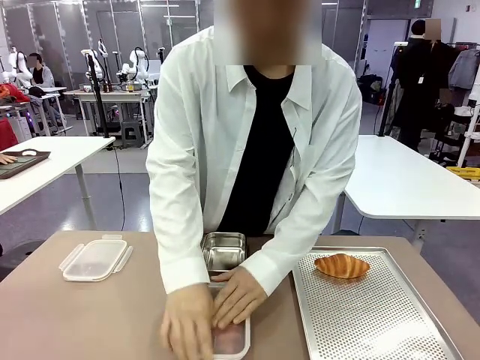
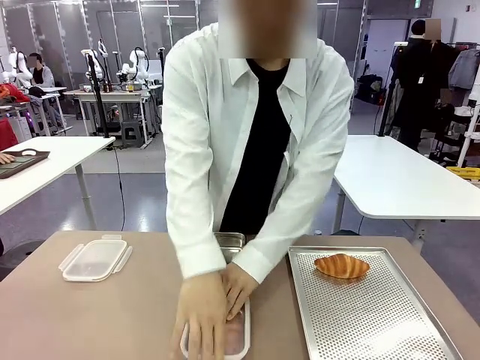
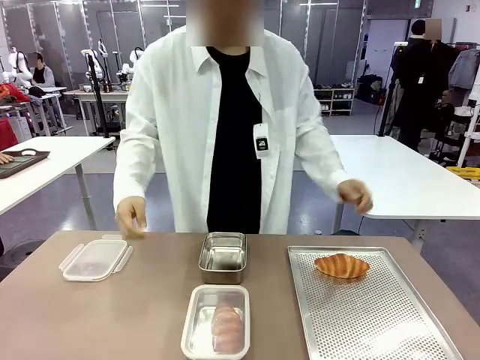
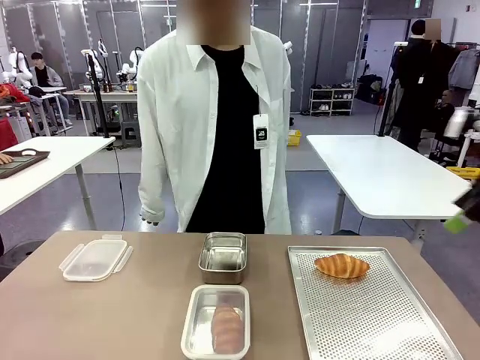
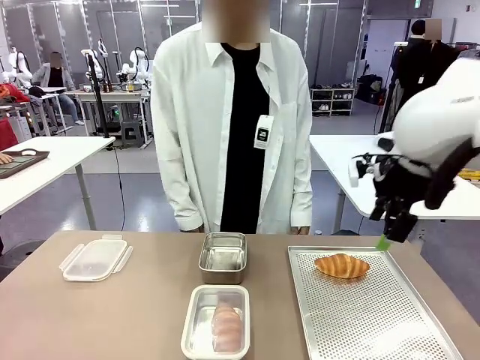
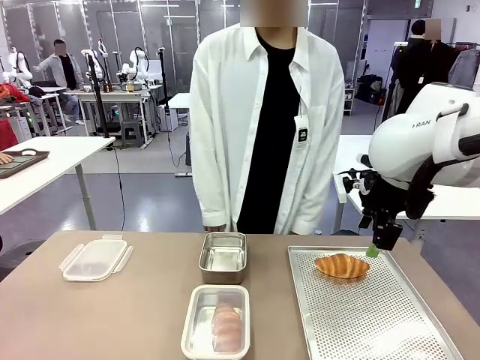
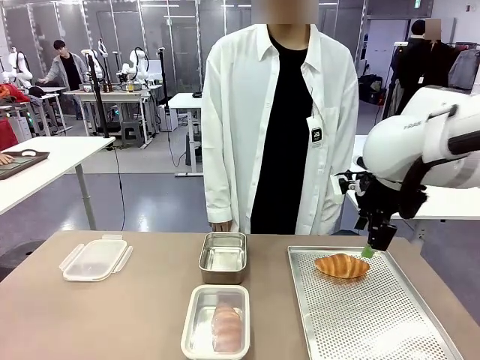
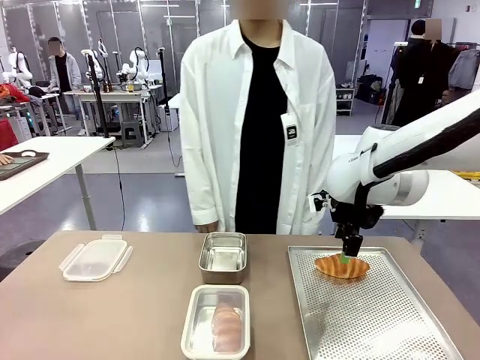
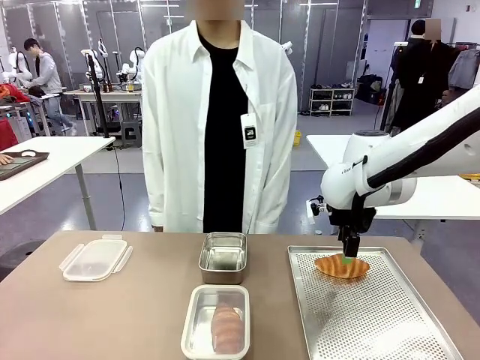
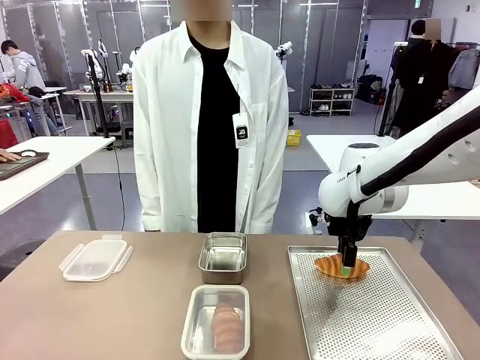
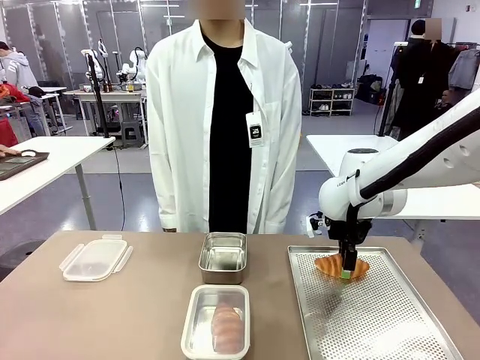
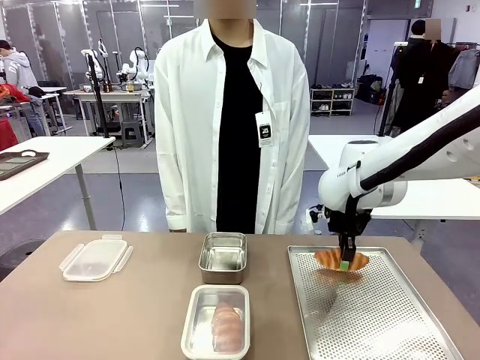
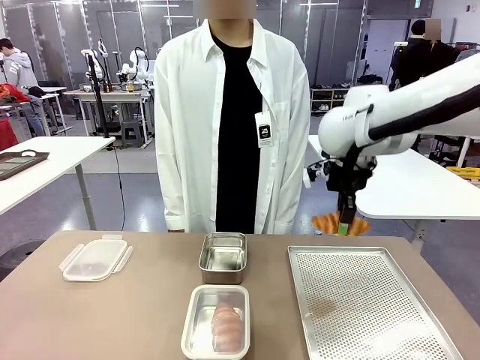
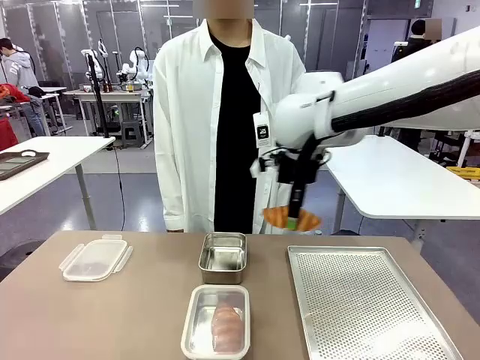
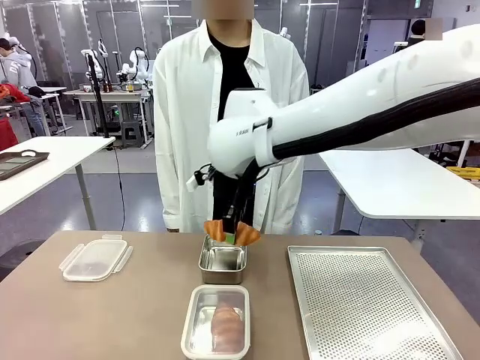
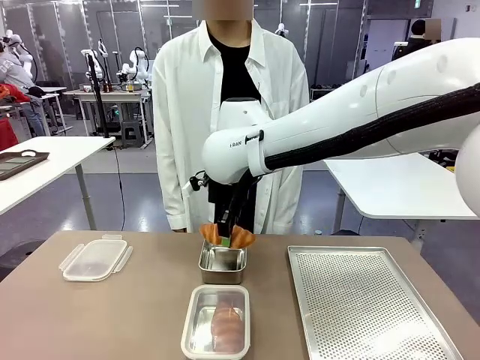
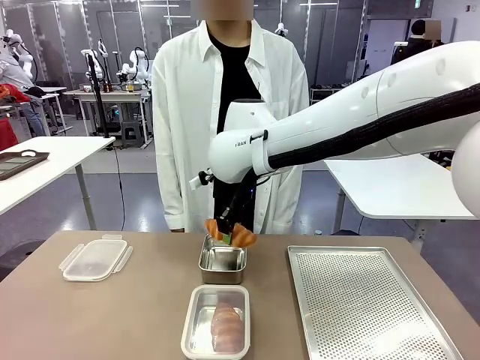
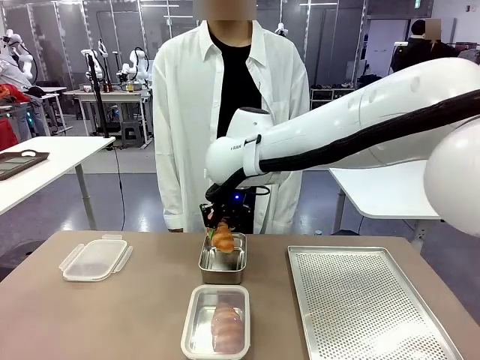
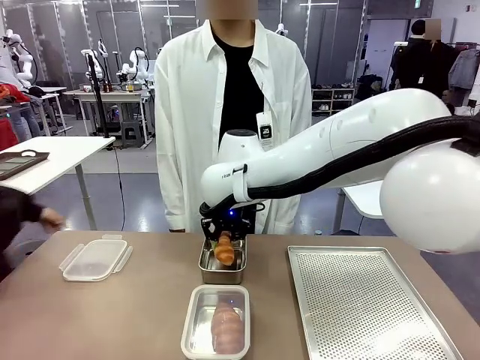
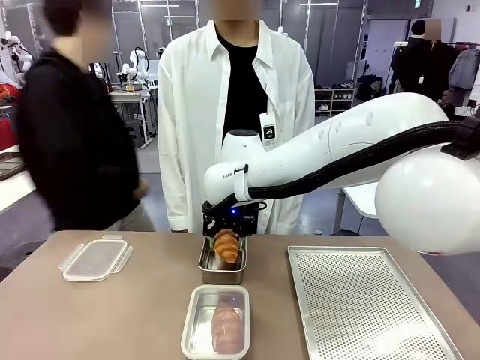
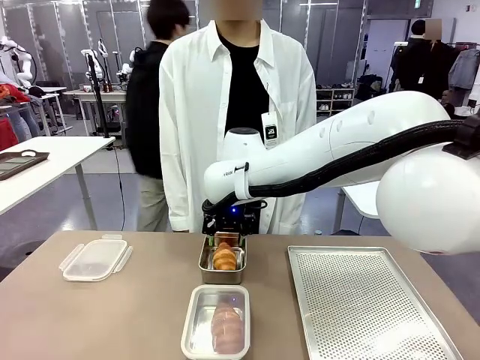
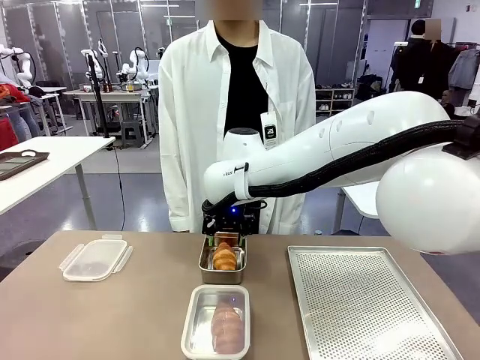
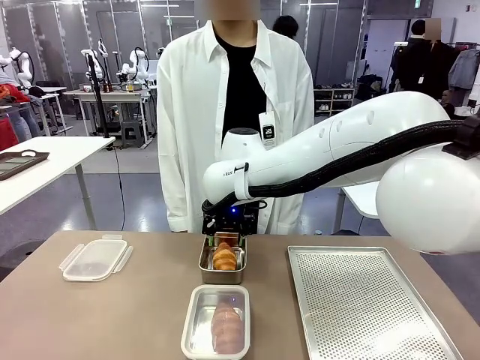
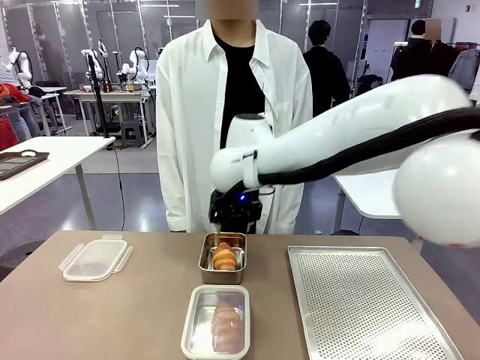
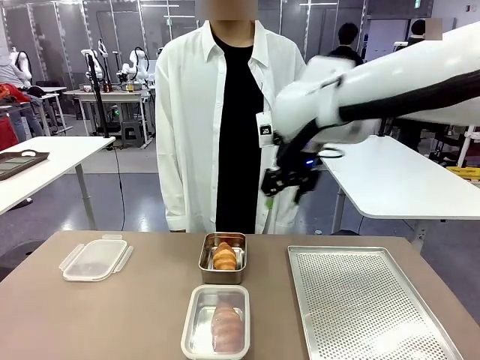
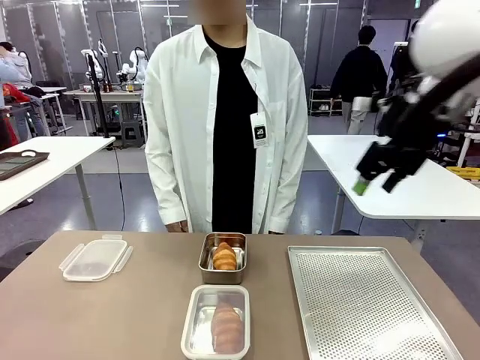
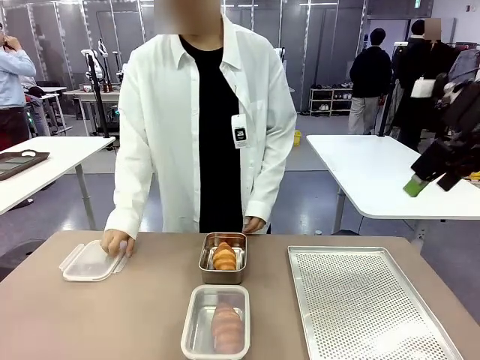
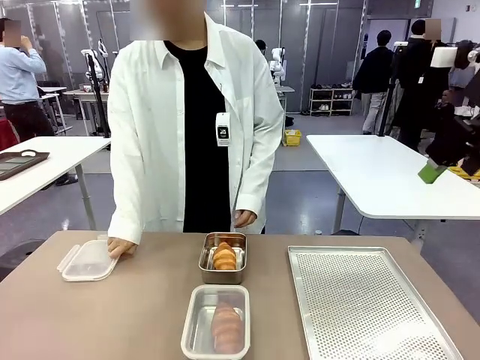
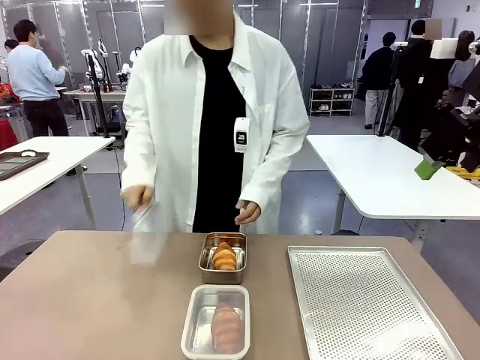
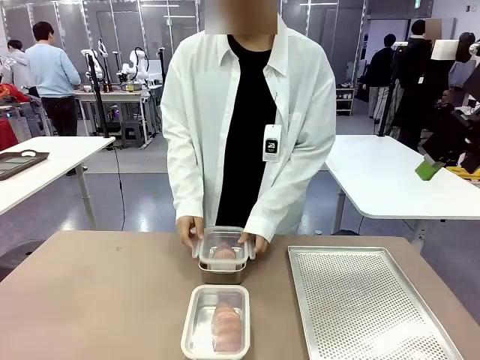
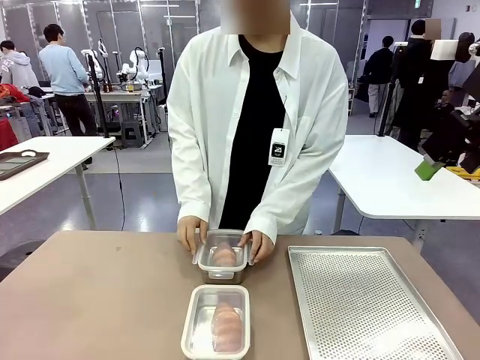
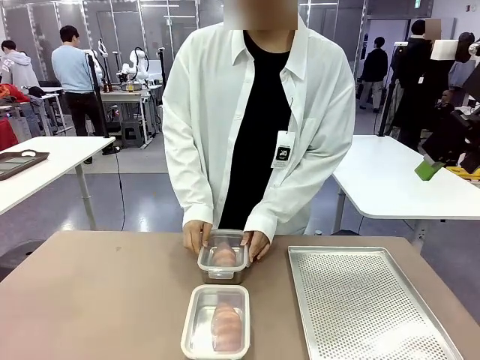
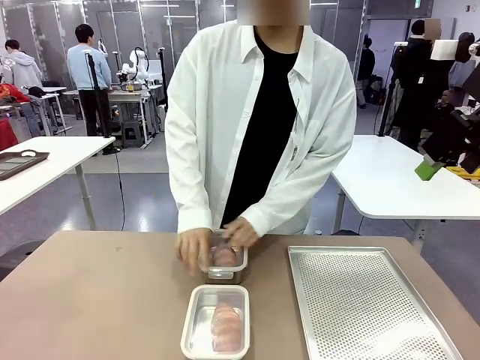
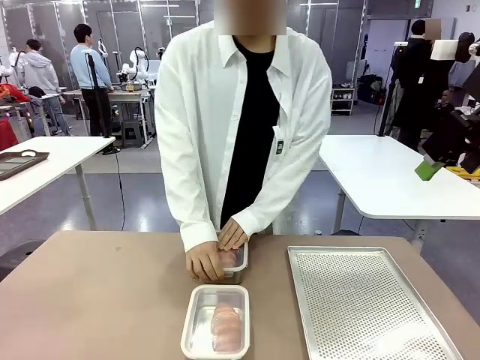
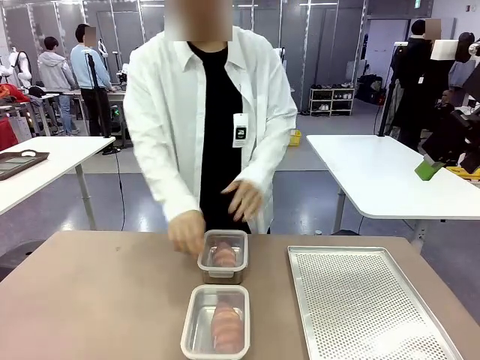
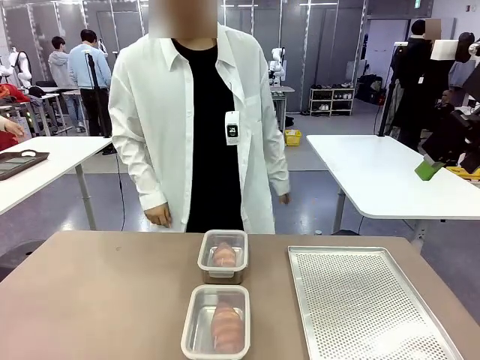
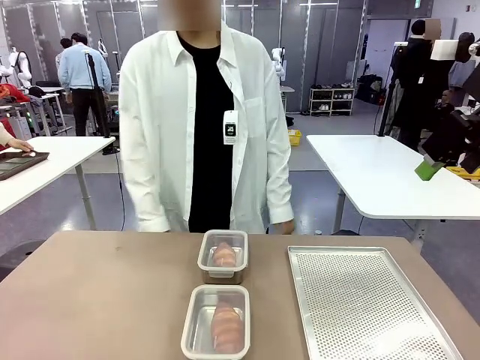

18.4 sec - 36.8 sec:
Task: Place the bread into the airtight container.
Robot: Pick up a Butter Roll and place it into an empty Airtight Container.
